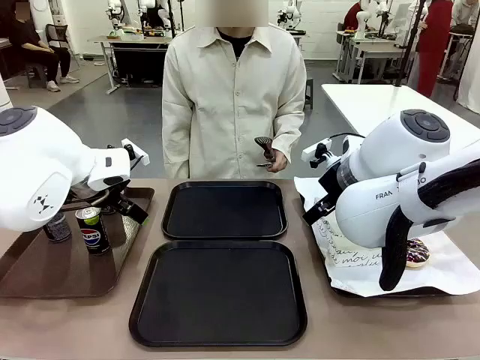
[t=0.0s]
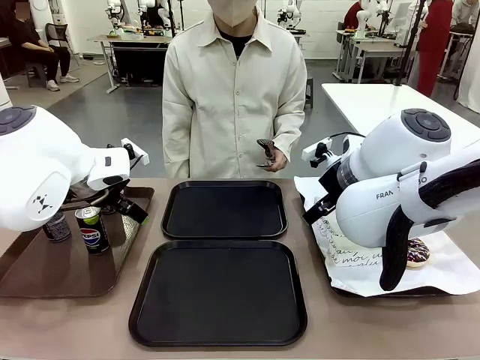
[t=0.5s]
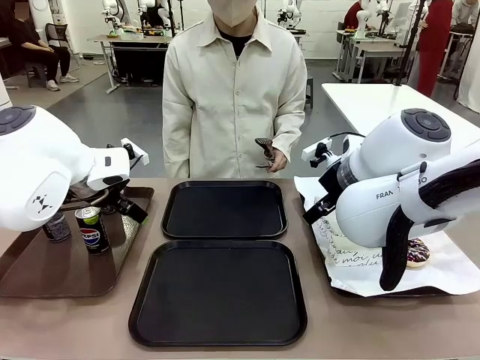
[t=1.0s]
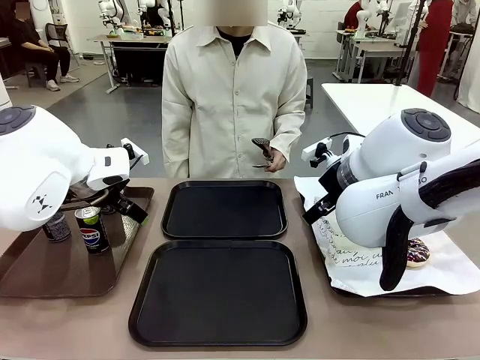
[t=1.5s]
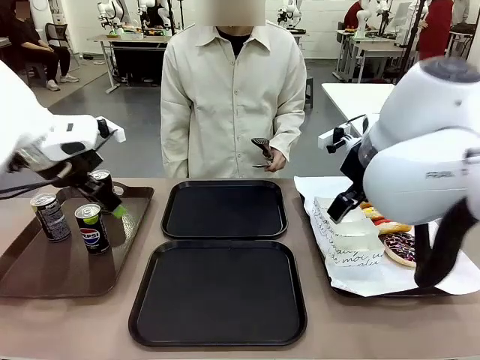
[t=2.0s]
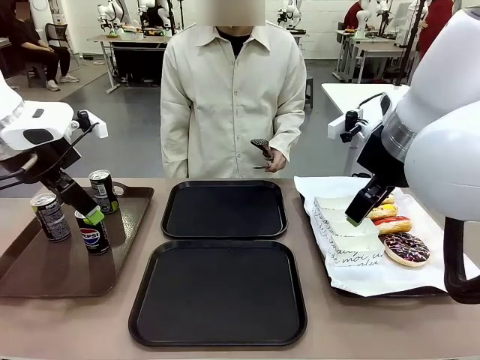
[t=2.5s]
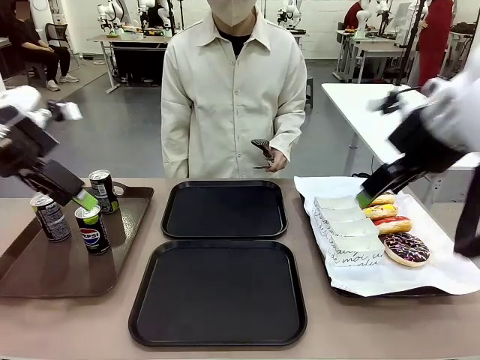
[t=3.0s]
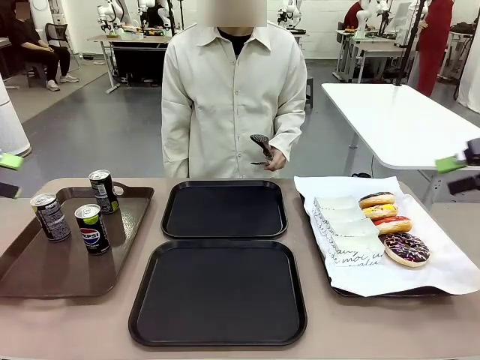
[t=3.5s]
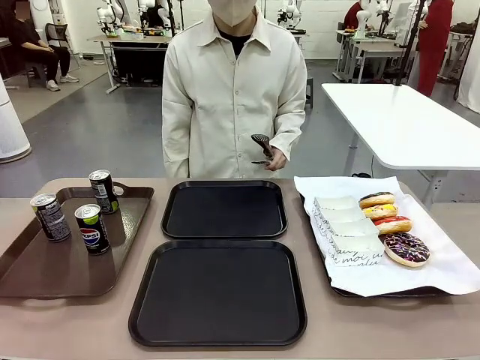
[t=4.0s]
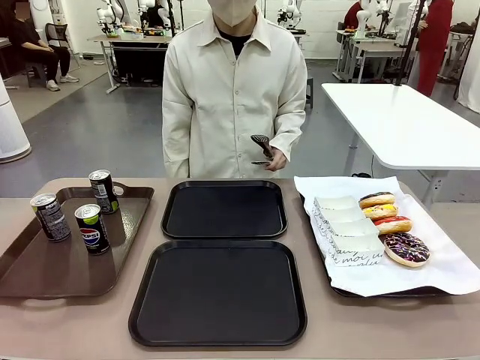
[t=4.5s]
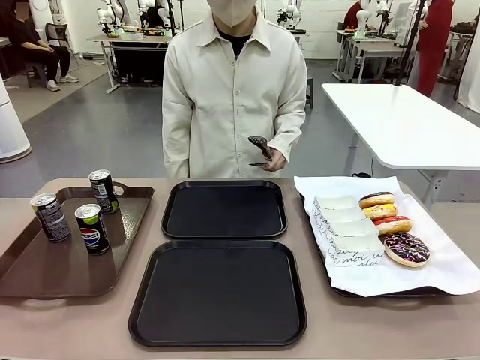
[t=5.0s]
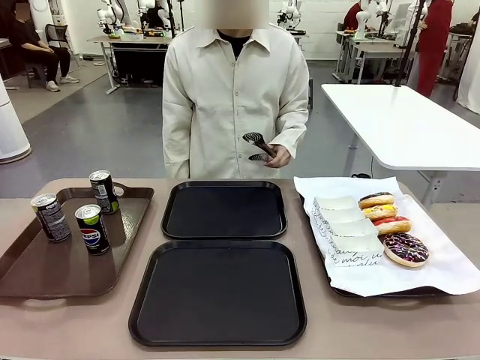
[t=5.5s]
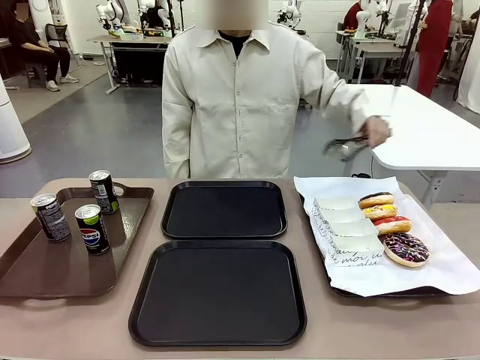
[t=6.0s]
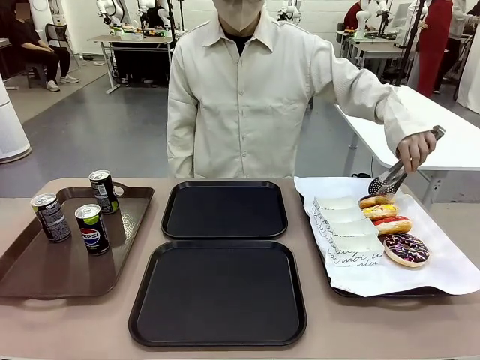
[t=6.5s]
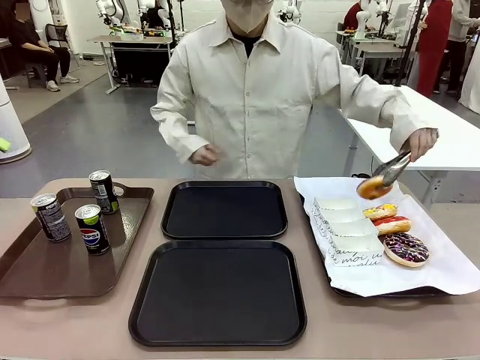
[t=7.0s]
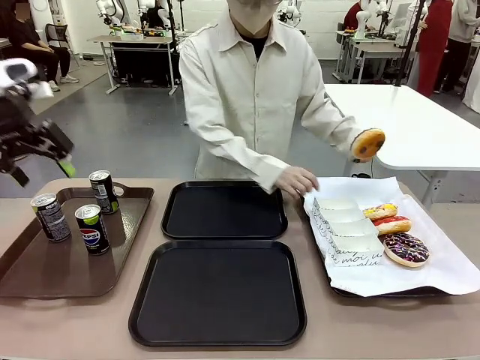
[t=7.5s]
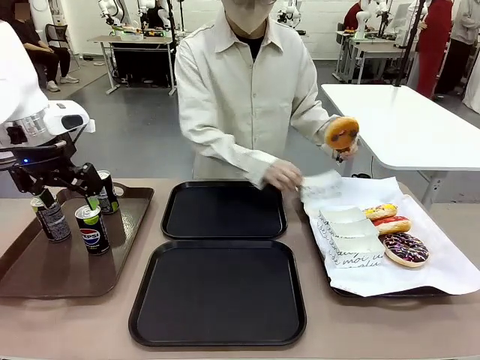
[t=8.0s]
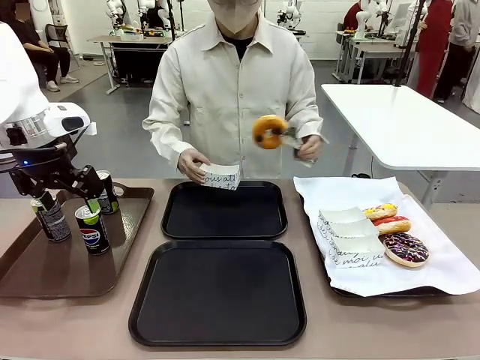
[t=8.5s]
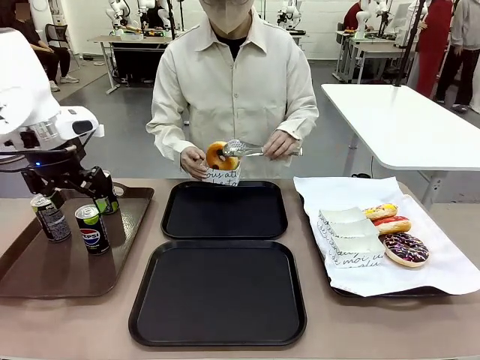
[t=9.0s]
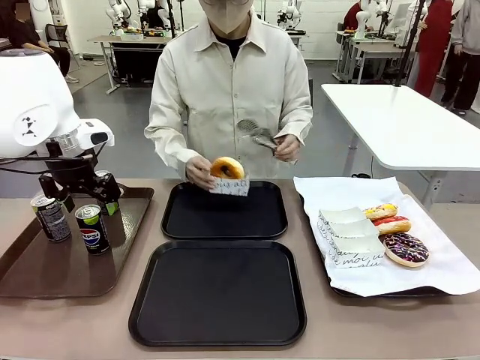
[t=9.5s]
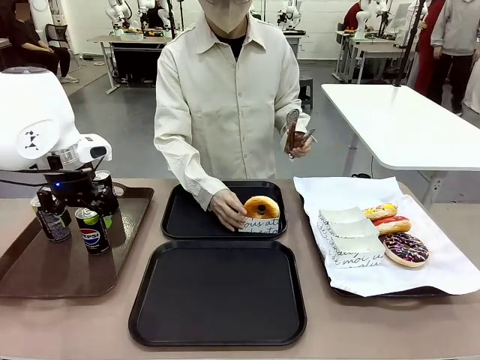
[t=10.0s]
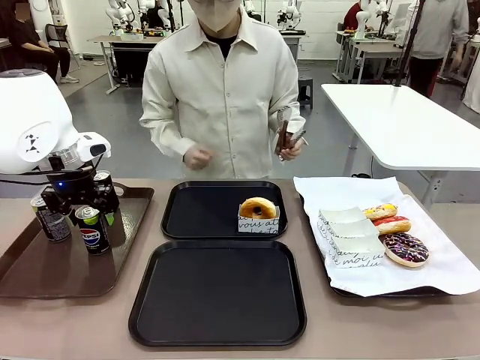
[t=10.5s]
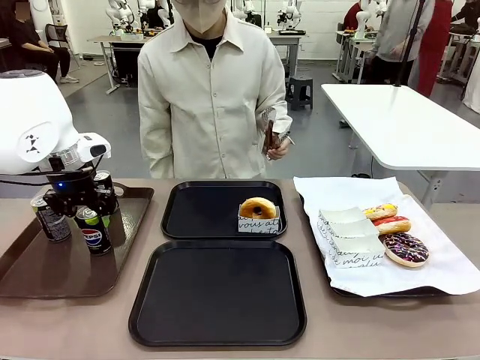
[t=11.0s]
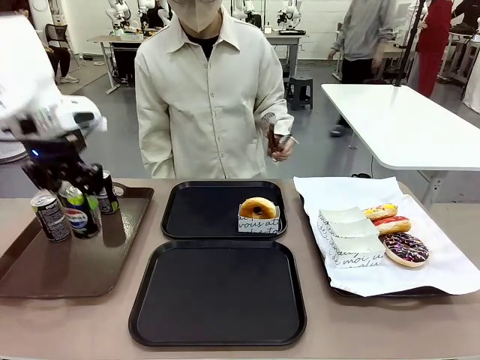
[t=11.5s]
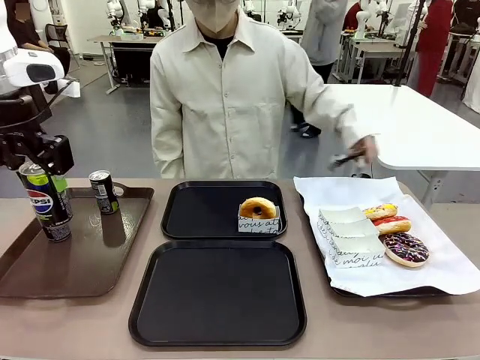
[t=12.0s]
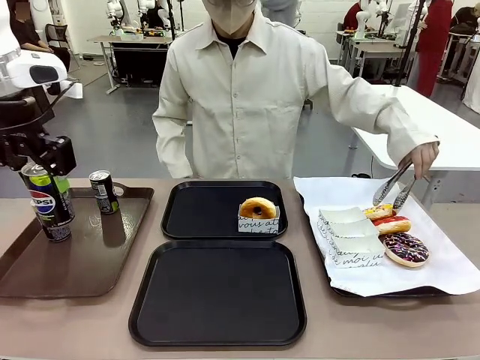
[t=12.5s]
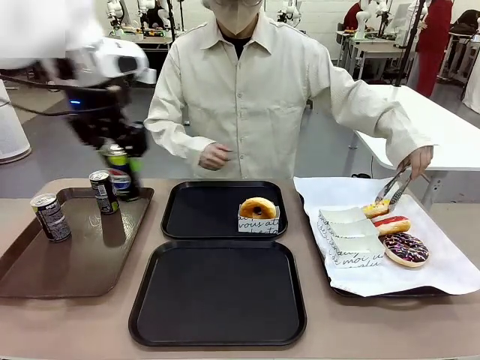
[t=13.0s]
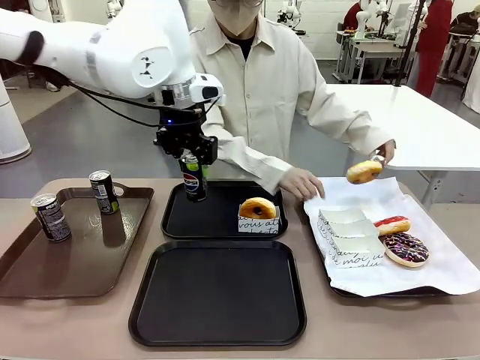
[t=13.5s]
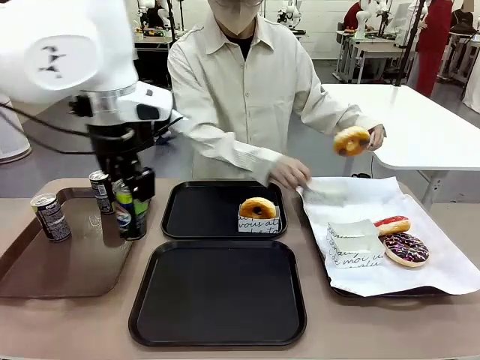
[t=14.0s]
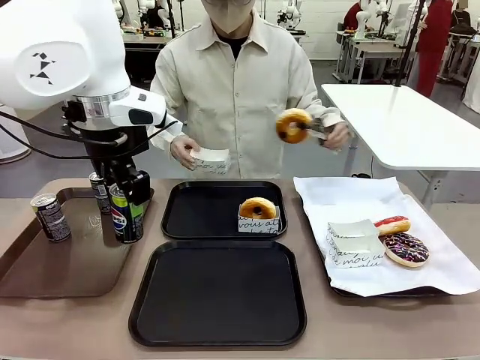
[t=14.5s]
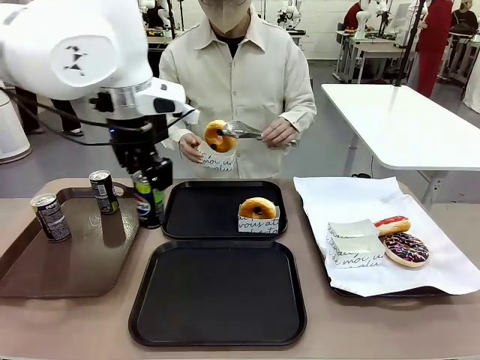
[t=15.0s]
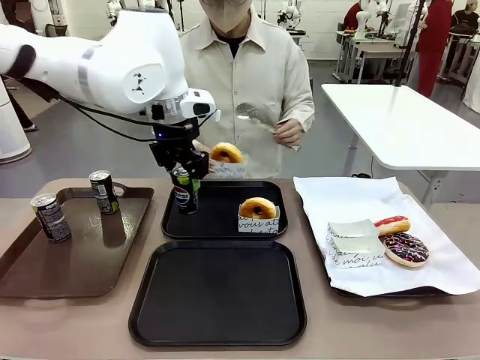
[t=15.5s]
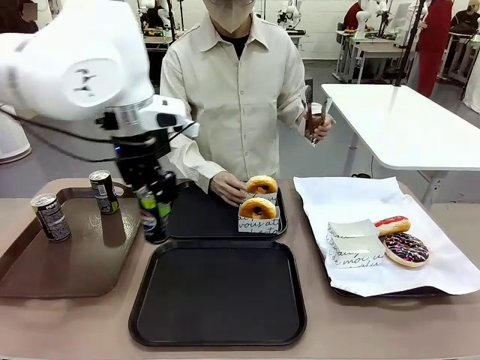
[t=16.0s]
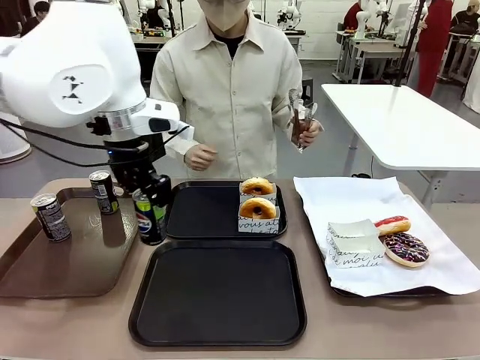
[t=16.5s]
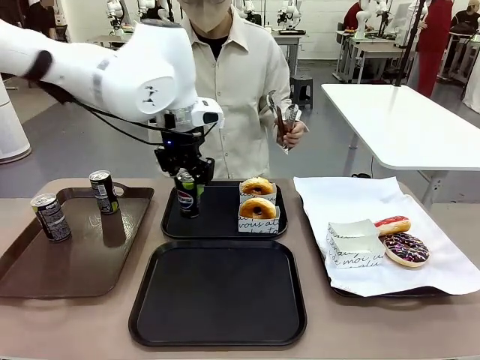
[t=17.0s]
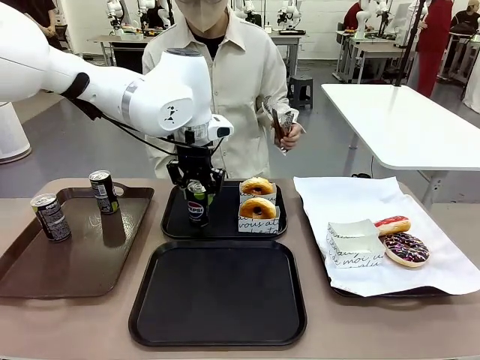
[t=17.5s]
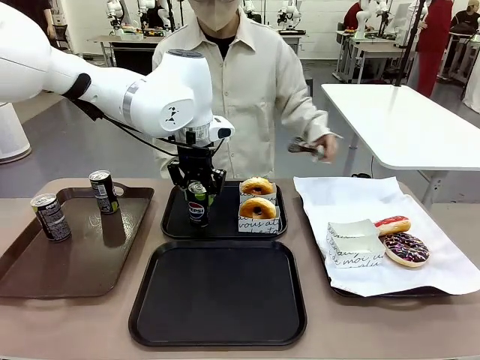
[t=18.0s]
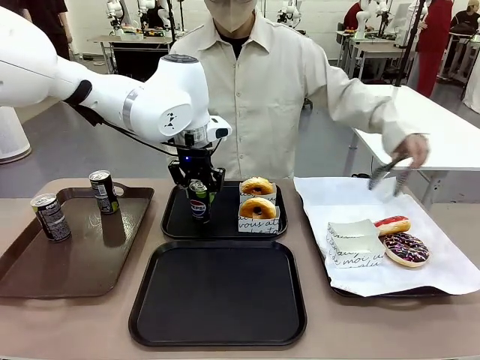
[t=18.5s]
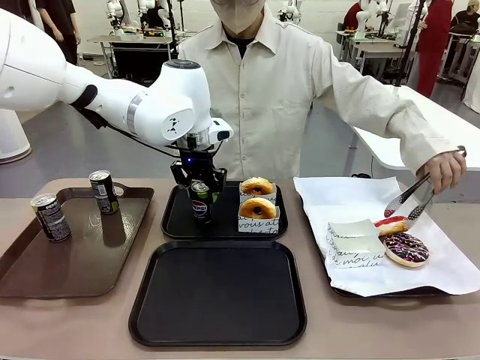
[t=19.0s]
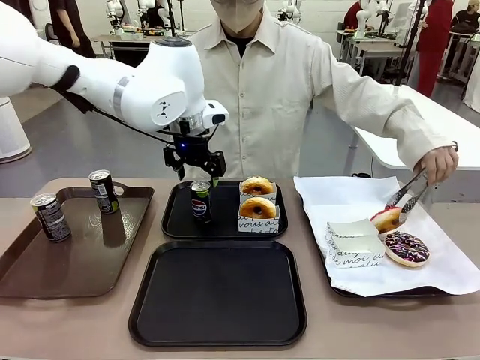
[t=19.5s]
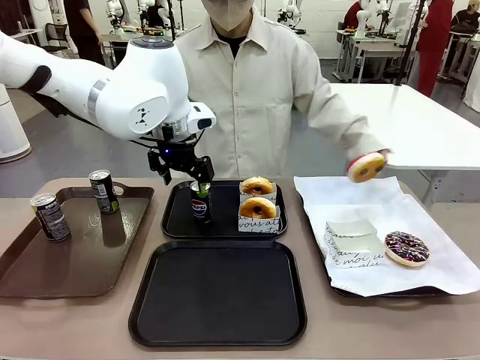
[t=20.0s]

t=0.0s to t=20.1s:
Task: Set up donuts and drinks on trays.
Robot: Pick up one Pepsi coke and place it on the Flat Tray.
Person: Pick up one donut with tongs, place it in the donut tray, and then place the donut tray on the flat tray.
